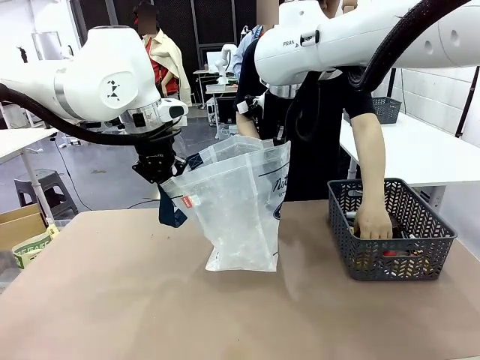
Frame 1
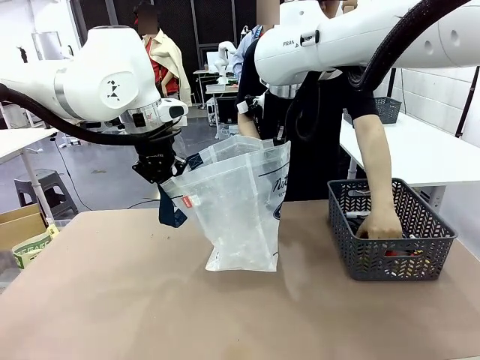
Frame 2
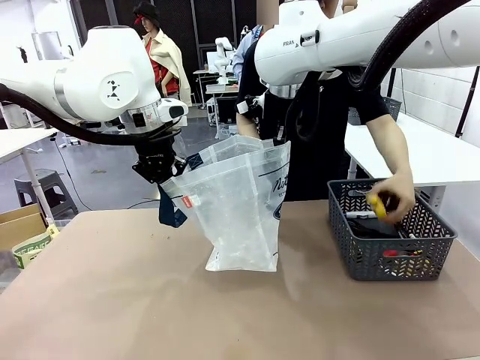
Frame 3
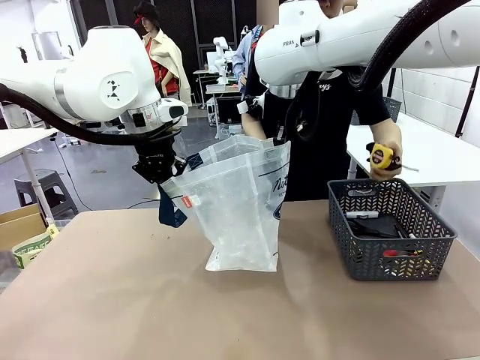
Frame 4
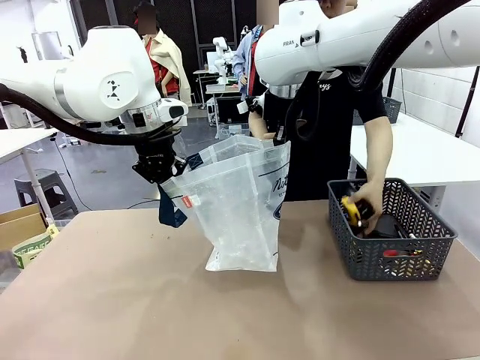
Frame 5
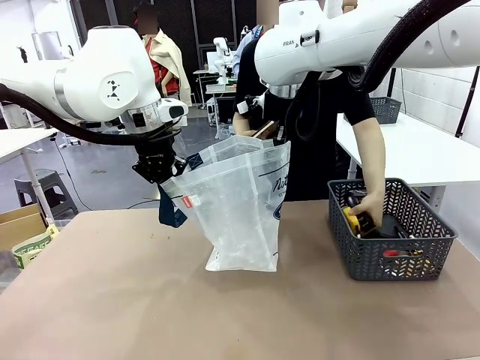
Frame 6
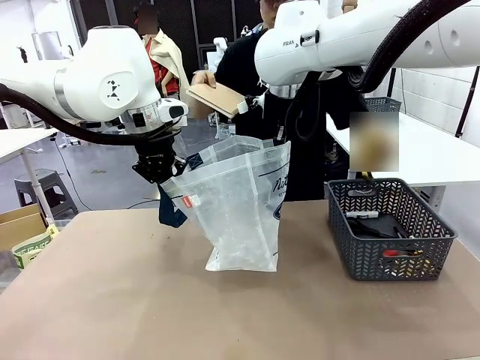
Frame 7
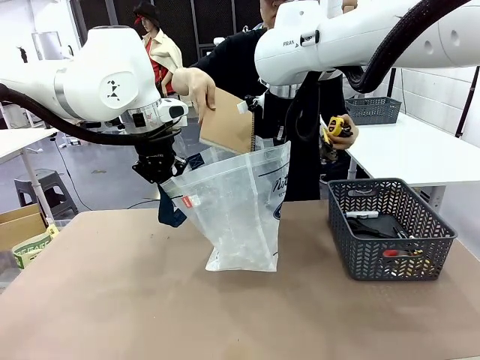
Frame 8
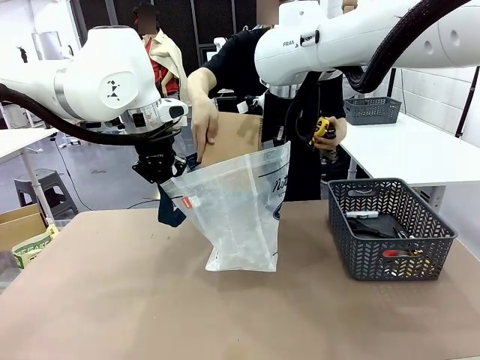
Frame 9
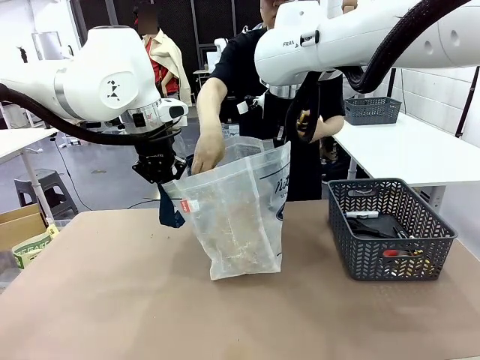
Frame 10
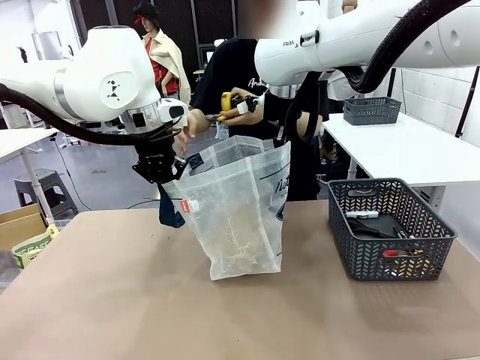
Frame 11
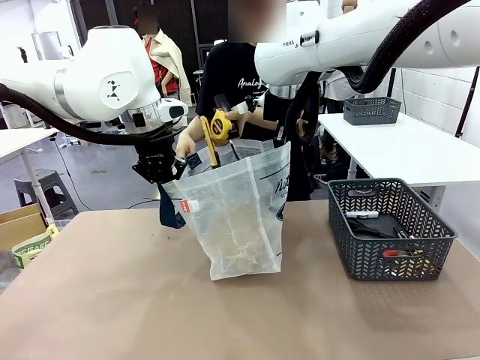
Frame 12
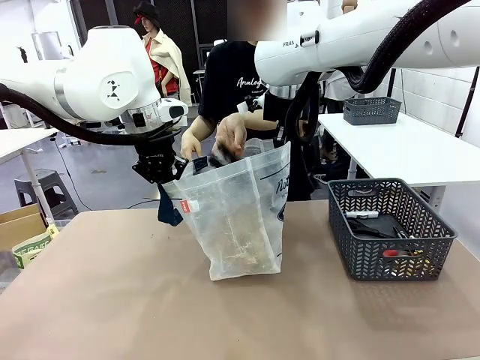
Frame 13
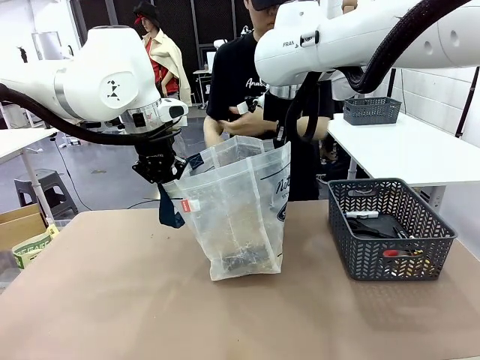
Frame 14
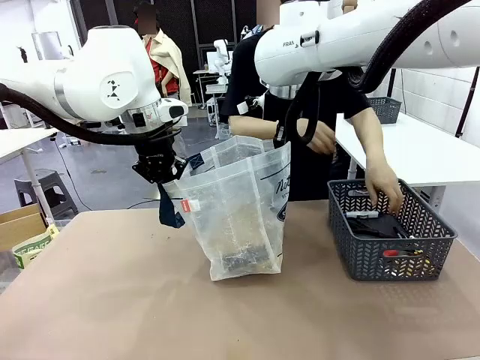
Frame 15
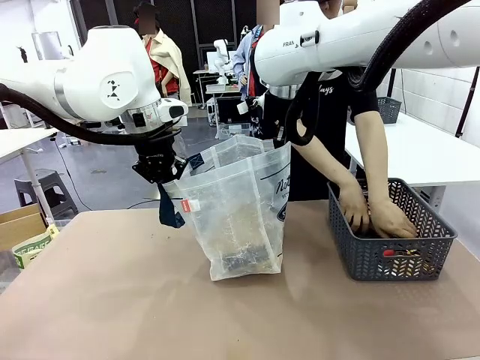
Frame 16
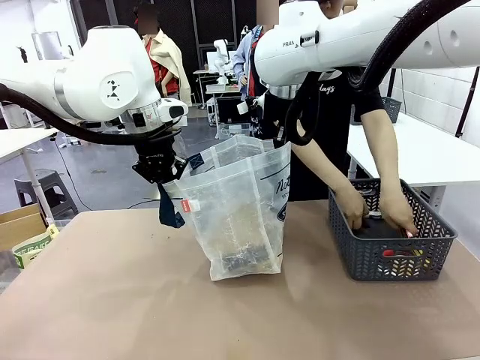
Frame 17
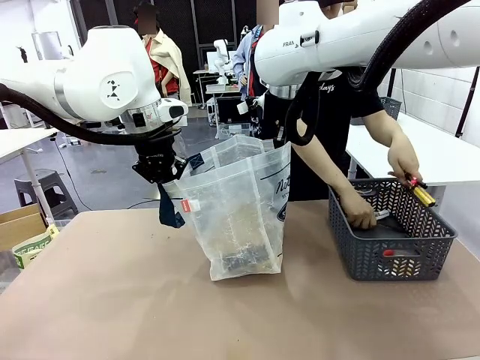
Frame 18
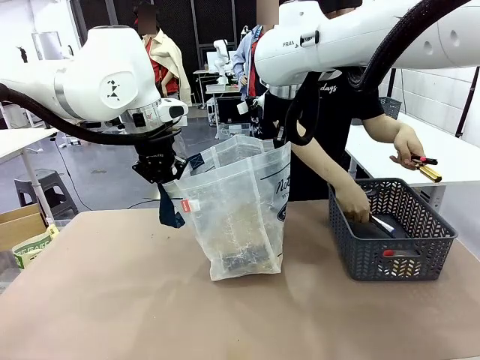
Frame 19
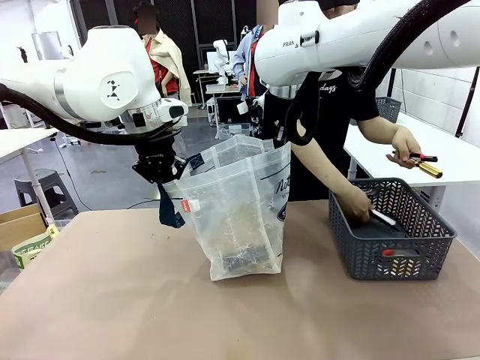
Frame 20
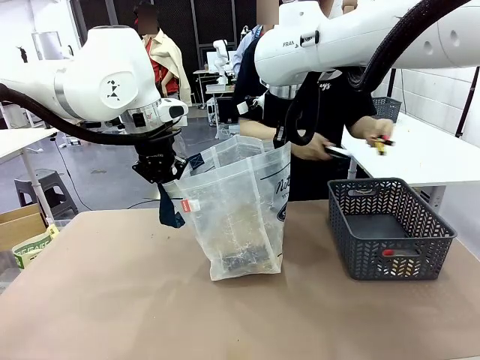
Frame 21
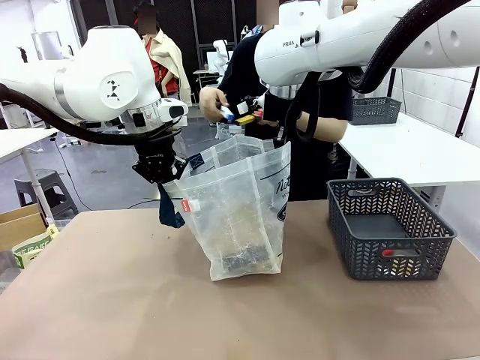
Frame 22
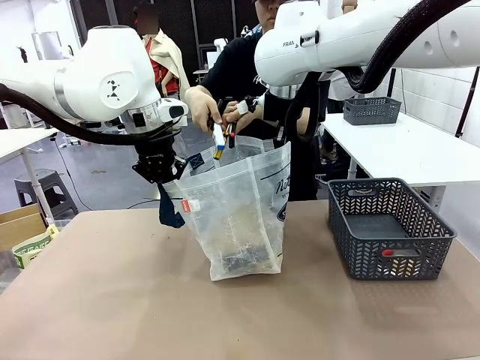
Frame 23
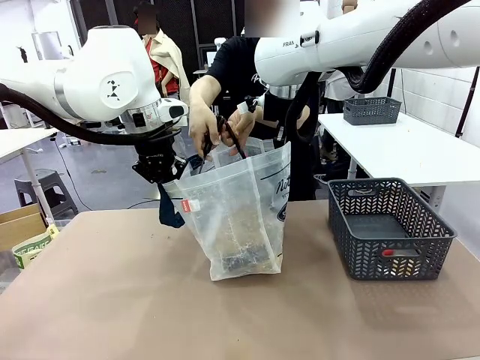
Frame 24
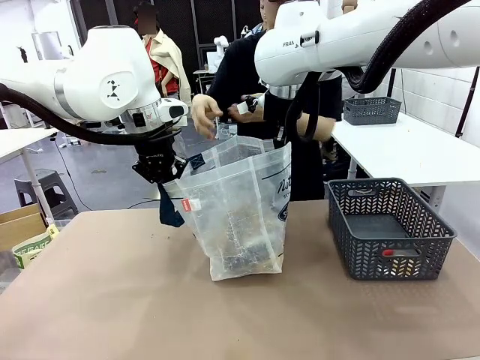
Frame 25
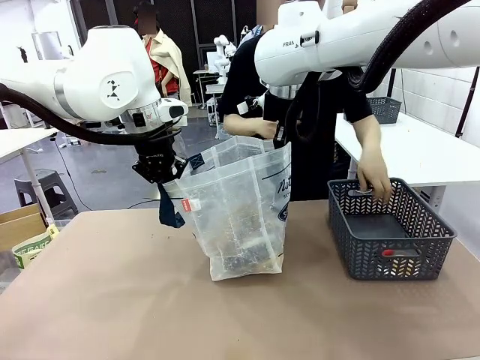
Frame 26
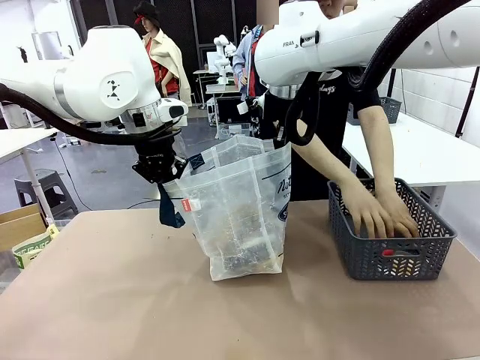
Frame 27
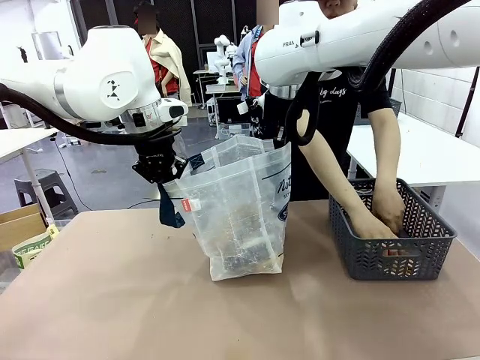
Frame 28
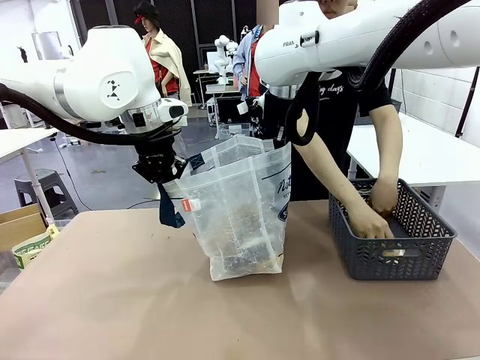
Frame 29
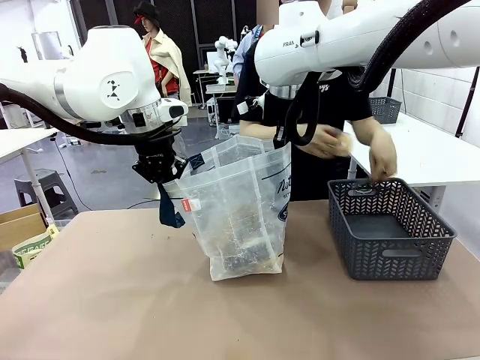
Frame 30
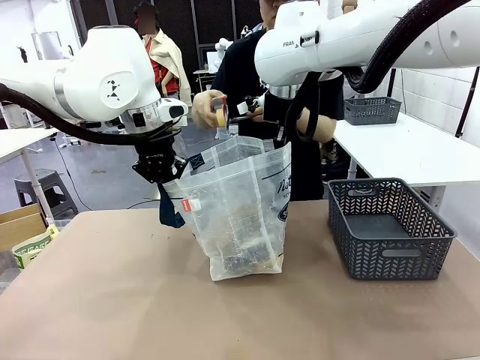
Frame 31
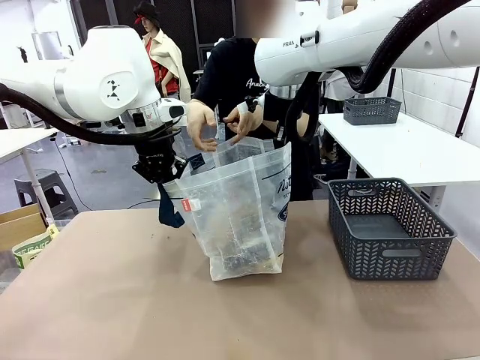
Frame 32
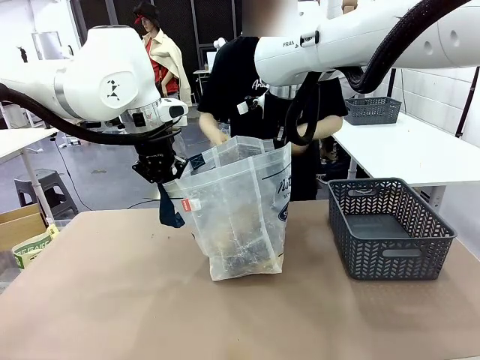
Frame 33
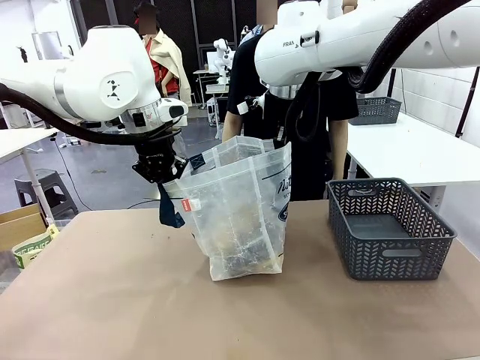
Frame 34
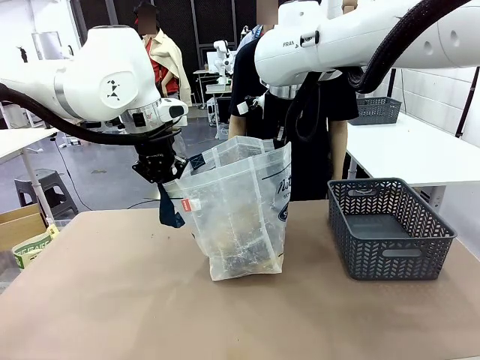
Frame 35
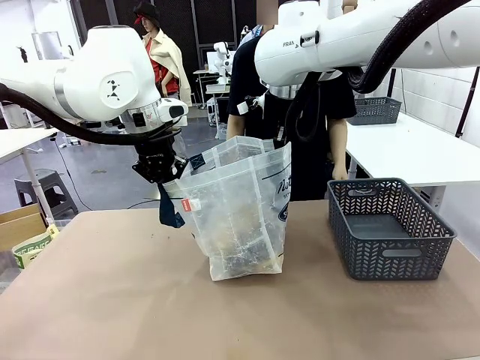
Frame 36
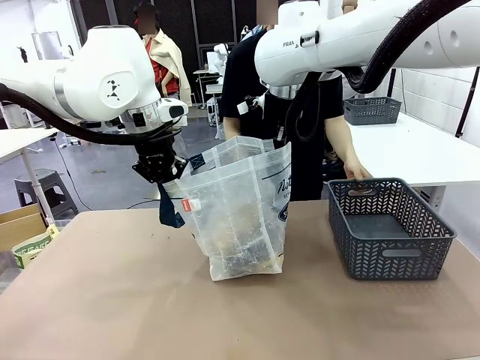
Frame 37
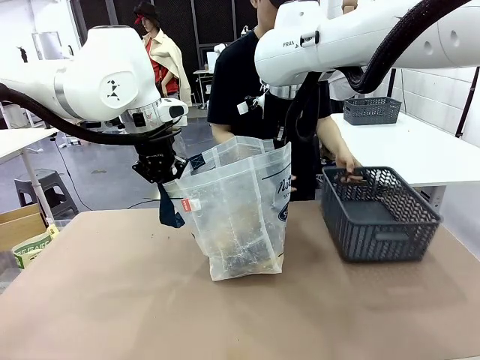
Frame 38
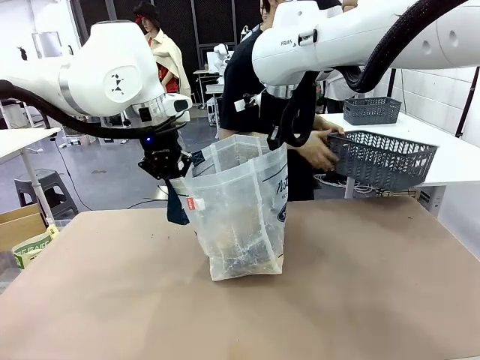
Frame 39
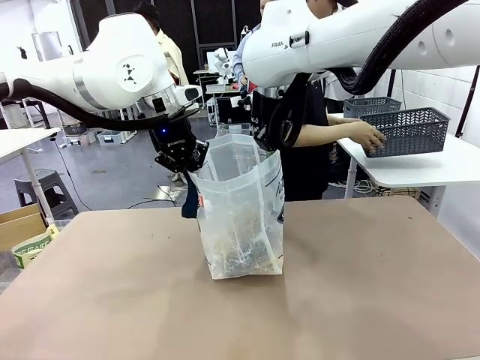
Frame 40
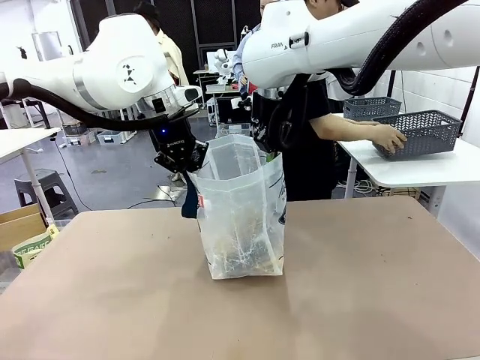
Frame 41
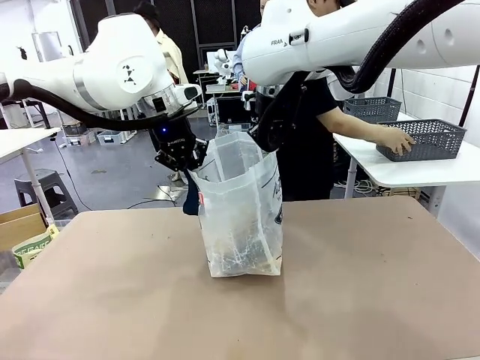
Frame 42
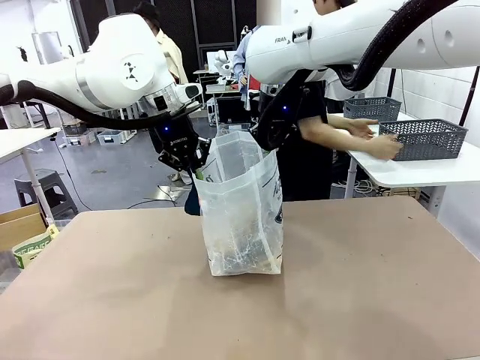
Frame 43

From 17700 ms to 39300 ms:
Task: Transfer purchased items from the store into the shopping bag.
Robot: Move the Reusable shopping bag to the right side of the table.
Person: Pick up the basket on the right, place it on the left side of the robot table, and move the items in the basket to the shopping bag. Pick up the basket with the items out and place it on the right side of the human table.
